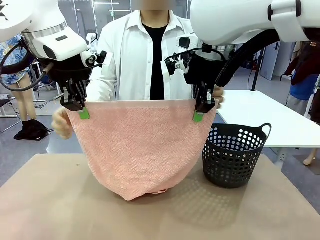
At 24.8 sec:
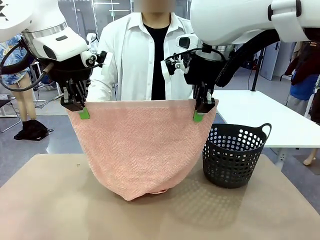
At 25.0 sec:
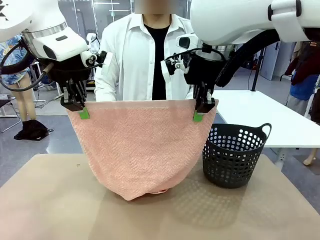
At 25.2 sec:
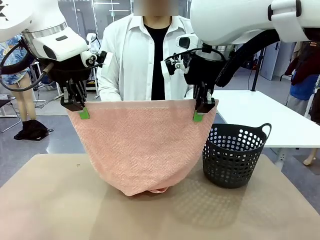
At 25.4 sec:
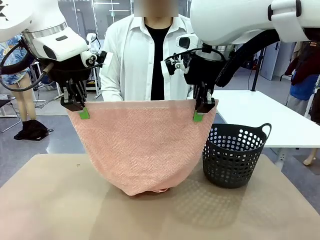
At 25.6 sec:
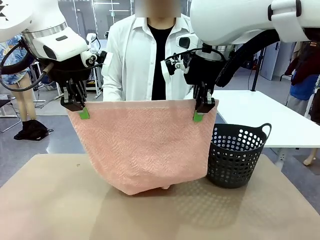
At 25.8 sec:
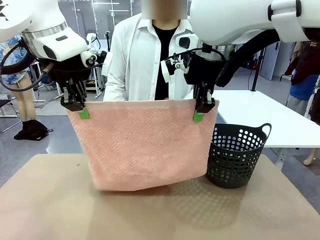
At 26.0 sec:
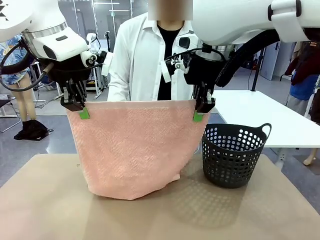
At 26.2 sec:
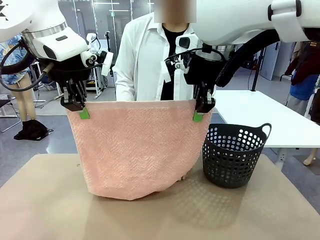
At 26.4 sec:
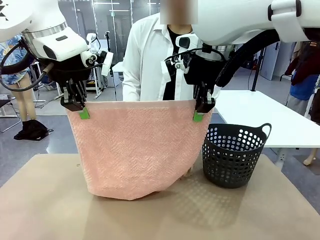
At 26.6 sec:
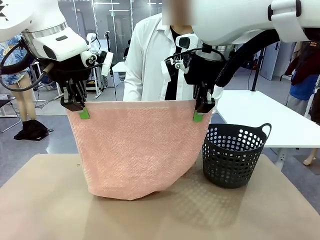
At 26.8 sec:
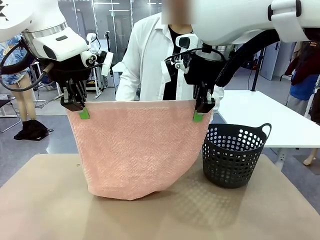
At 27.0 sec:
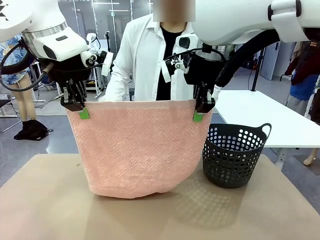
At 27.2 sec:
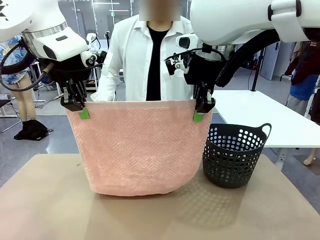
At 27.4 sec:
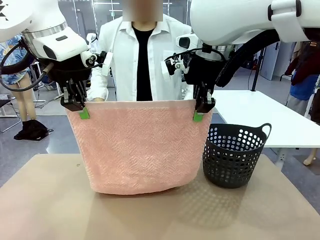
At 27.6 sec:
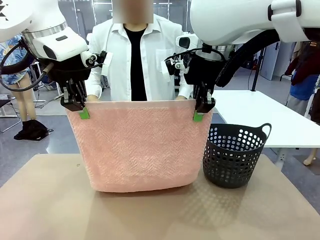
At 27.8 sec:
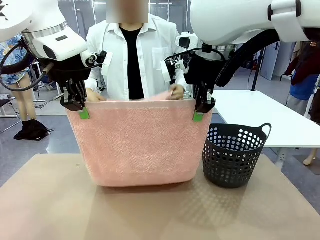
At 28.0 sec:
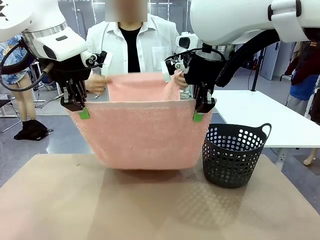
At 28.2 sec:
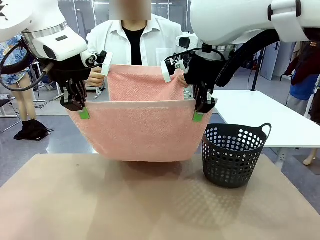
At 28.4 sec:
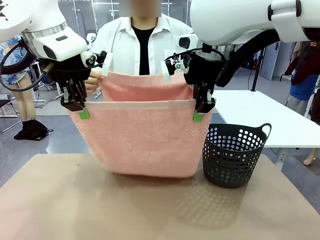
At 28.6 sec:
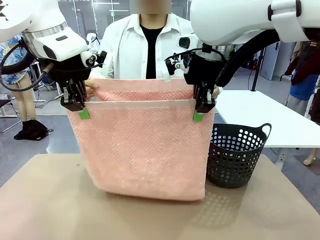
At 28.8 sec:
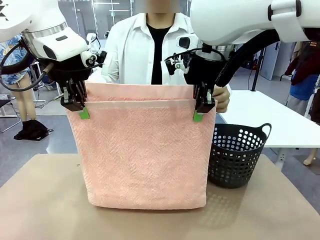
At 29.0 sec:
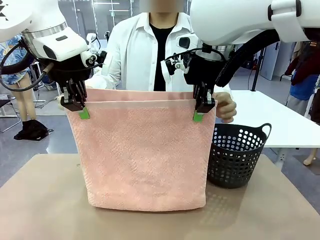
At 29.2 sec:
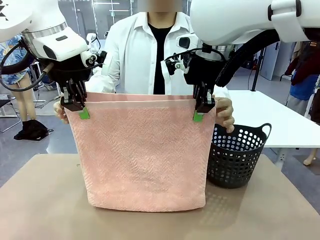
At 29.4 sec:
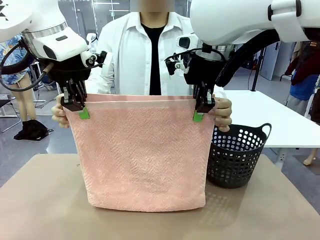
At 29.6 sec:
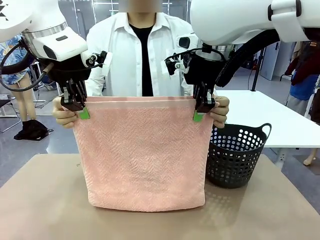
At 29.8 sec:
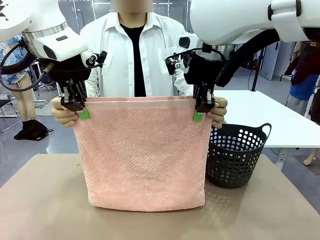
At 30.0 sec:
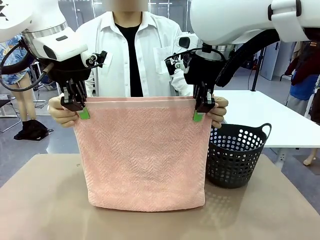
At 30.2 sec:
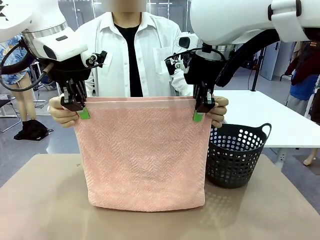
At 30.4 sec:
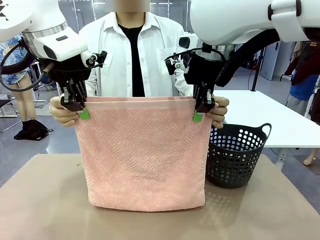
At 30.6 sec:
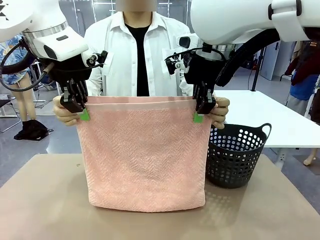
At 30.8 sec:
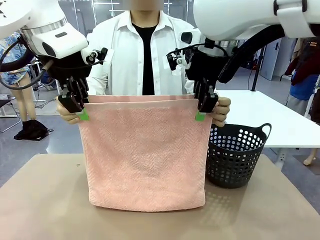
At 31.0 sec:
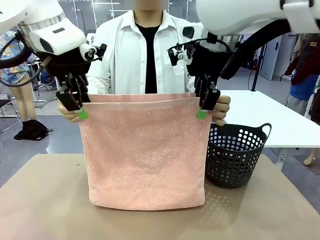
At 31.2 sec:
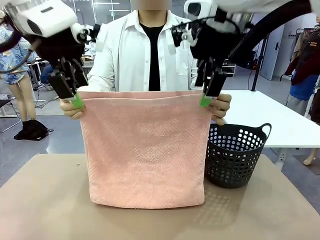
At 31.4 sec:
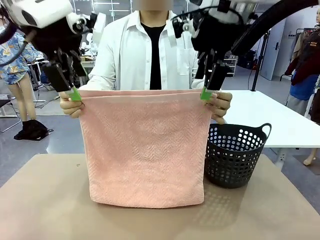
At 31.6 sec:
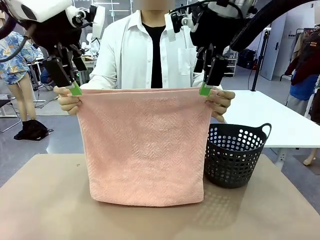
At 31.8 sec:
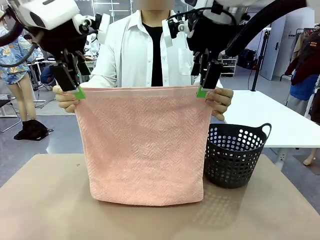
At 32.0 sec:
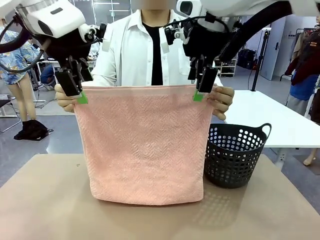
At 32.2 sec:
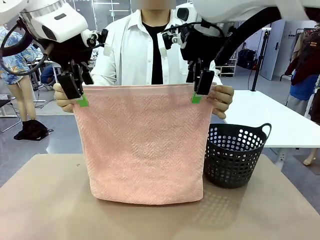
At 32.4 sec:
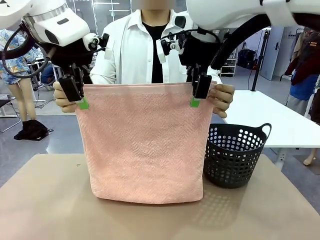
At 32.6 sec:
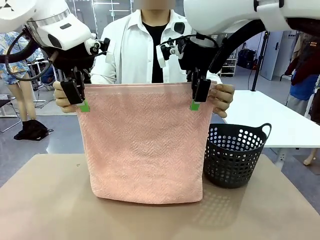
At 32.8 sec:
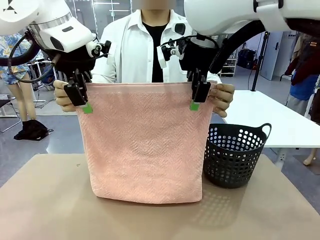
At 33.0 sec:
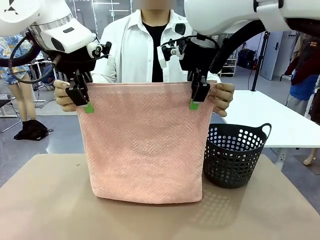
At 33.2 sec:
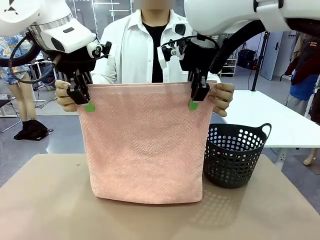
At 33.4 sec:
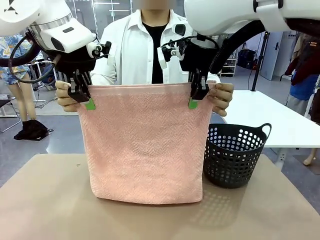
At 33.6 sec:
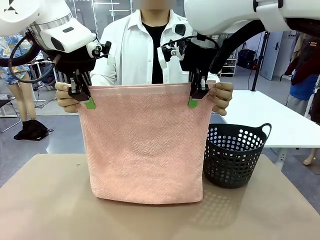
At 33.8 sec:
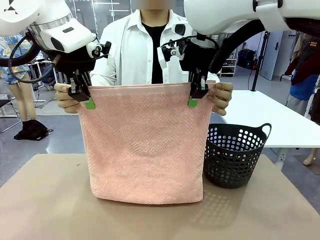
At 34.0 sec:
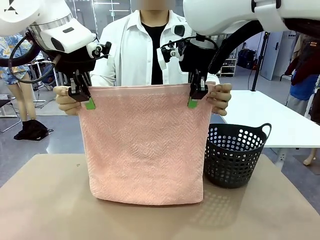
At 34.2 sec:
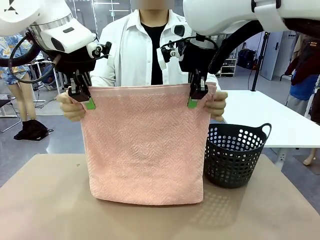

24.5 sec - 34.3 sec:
Task: Fold the towel.
Robot: Release the end of the 100 cm Hotel Towel you were holding and grab the top end of the folded side.

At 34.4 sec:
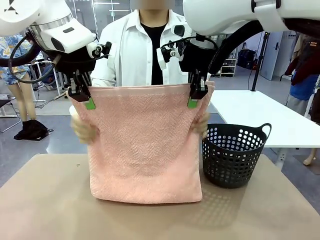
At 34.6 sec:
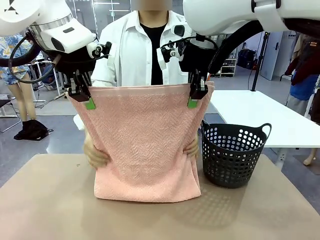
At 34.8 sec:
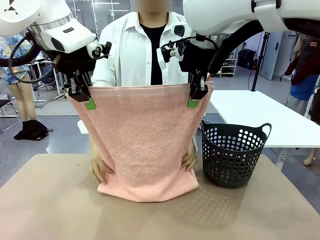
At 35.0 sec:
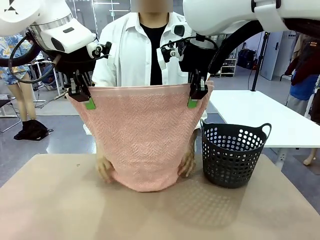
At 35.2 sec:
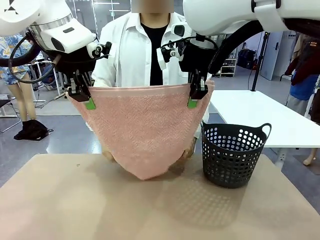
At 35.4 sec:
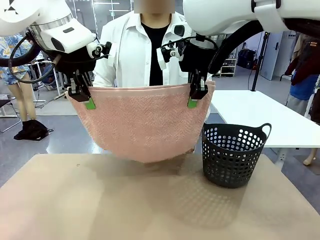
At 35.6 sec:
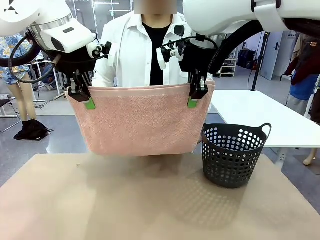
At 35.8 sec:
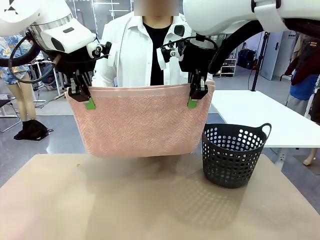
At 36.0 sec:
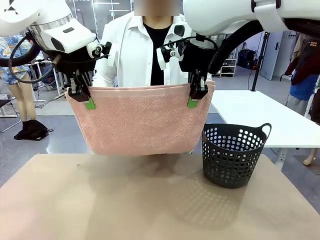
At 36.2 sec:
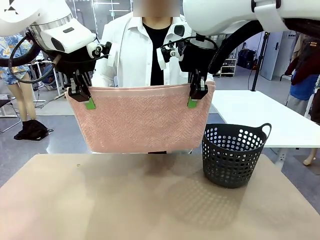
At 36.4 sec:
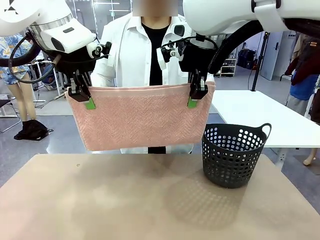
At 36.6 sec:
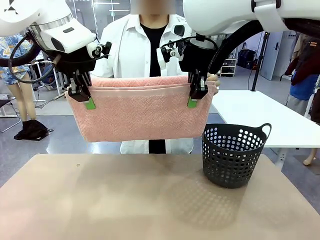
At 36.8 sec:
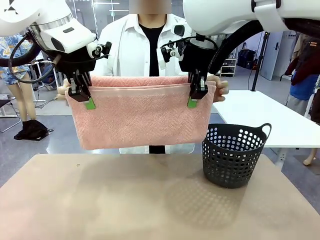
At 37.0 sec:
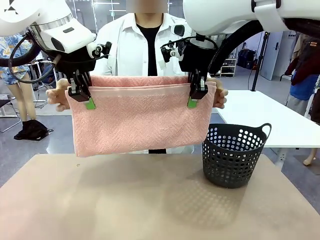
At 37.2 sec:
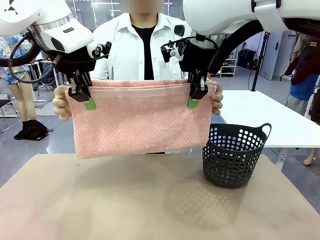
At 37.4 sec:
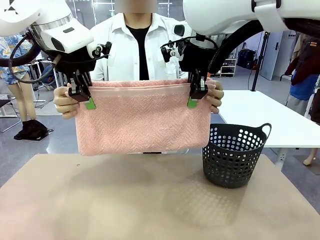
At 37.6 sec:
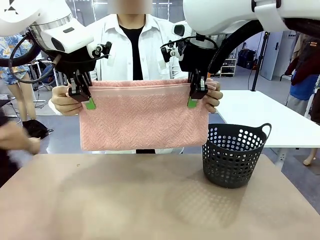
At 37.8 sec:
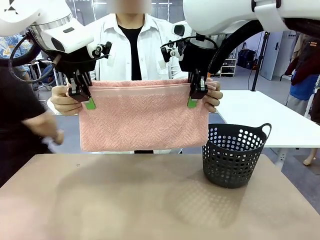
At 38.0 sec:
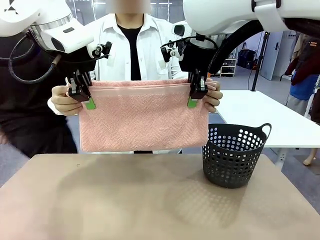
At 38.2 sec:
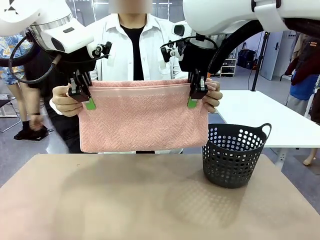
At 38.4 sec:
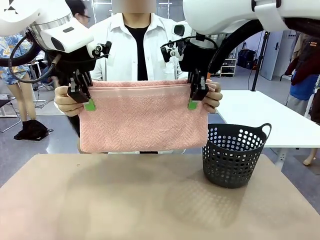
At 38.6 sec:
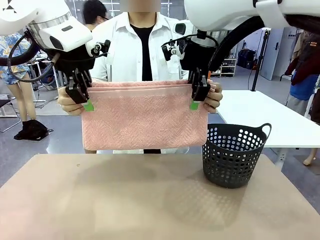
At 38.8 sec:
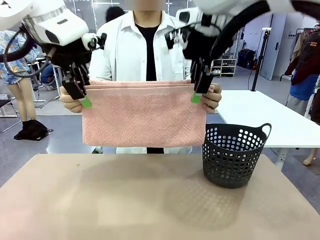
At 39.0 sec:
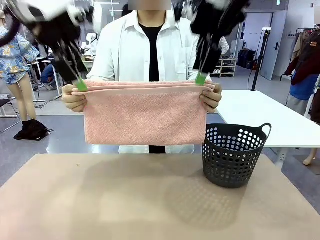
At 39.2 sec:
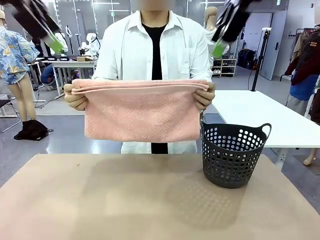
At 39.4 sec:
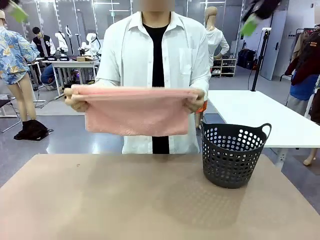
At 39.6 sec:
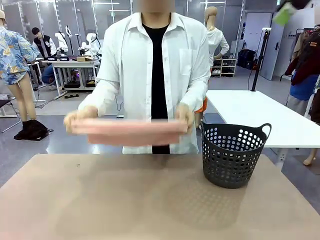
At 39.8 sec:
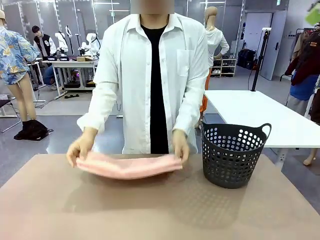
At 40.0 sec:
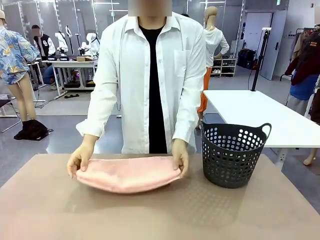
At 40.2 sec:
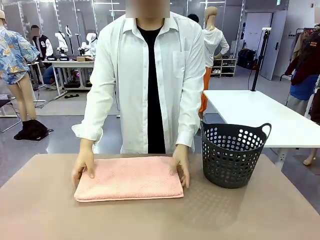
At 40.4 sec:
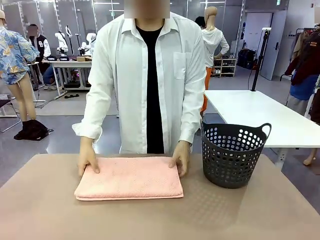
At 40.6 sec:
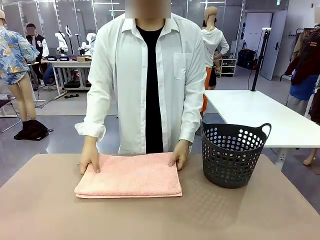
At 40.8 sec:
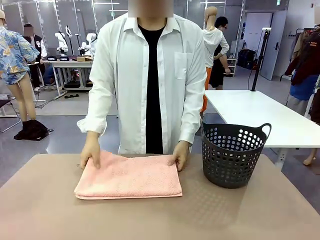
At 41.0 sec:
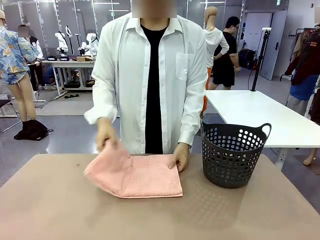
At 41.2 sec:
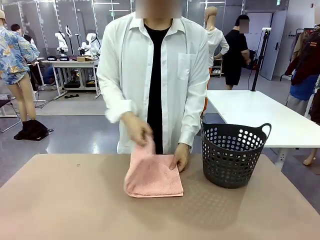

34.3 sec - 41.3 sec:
Robot: Release the end of the 100 cm Hotel Towel you were holding.
Person: Place the towel at the center of the robot table and fold it in half.

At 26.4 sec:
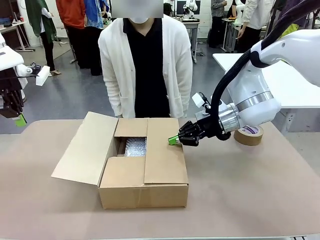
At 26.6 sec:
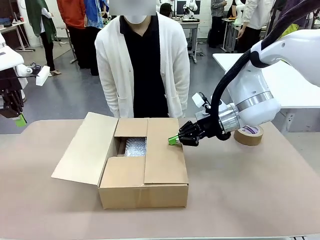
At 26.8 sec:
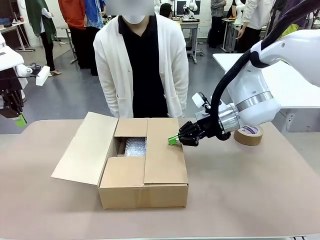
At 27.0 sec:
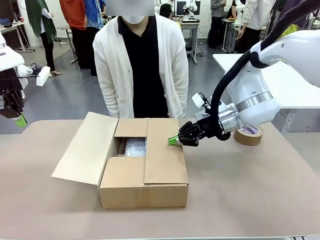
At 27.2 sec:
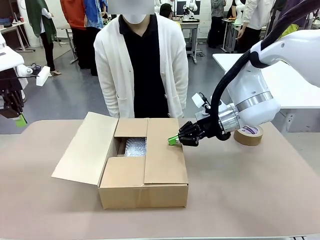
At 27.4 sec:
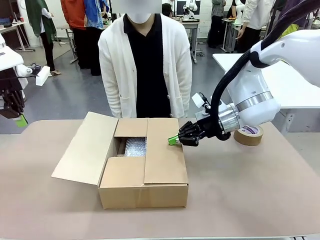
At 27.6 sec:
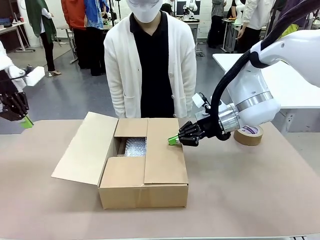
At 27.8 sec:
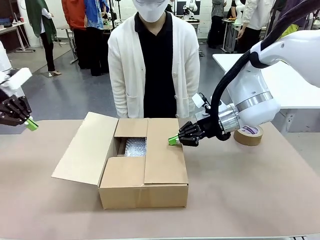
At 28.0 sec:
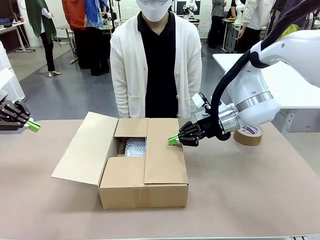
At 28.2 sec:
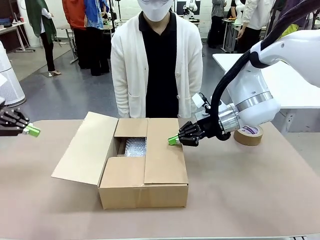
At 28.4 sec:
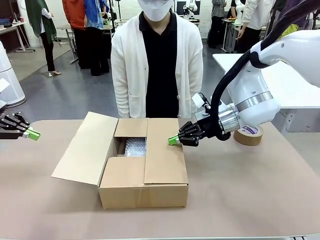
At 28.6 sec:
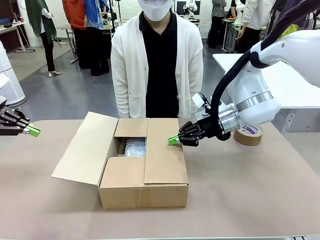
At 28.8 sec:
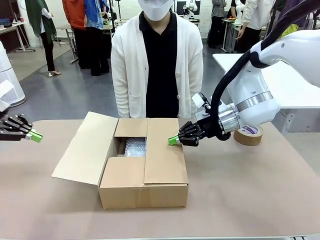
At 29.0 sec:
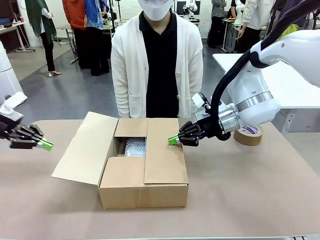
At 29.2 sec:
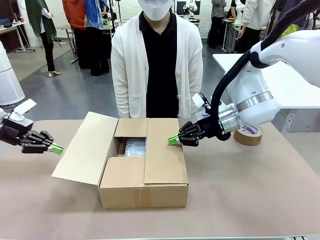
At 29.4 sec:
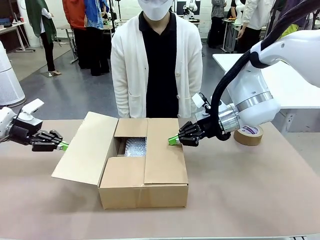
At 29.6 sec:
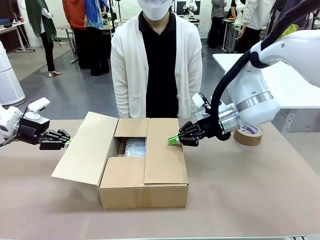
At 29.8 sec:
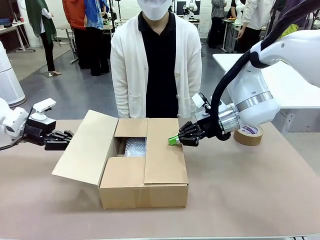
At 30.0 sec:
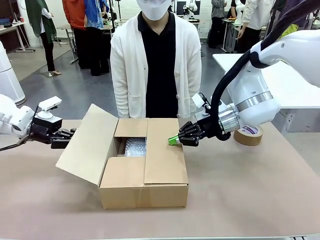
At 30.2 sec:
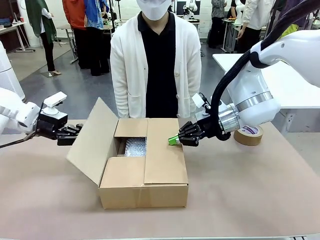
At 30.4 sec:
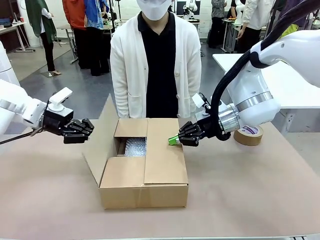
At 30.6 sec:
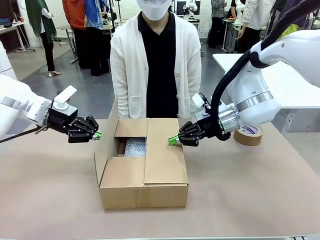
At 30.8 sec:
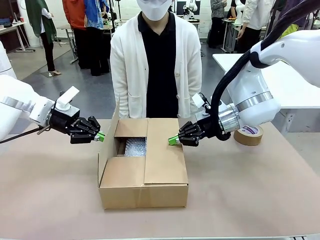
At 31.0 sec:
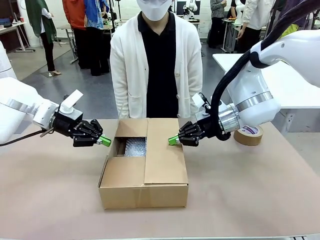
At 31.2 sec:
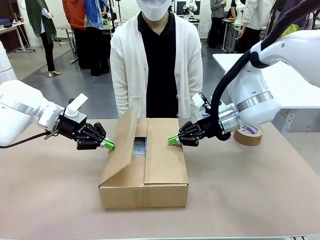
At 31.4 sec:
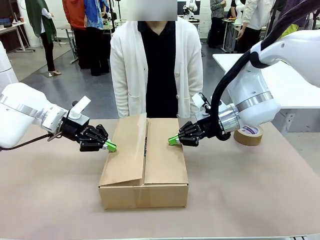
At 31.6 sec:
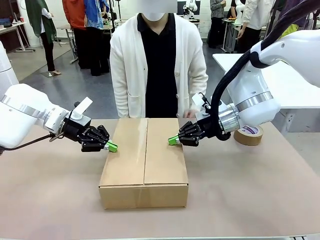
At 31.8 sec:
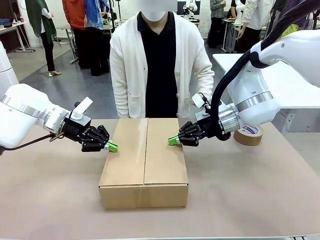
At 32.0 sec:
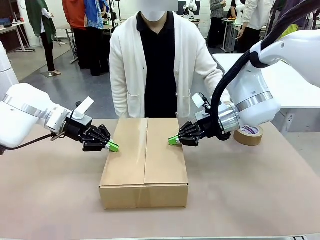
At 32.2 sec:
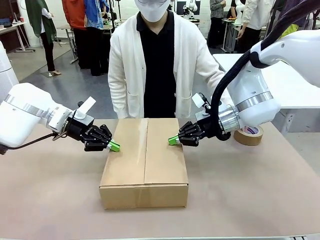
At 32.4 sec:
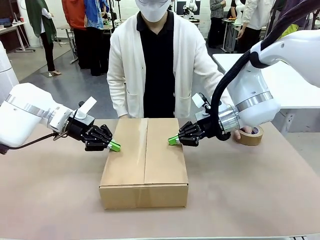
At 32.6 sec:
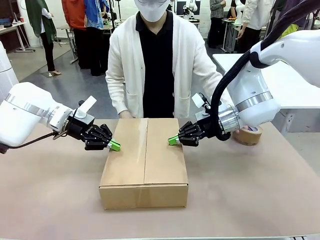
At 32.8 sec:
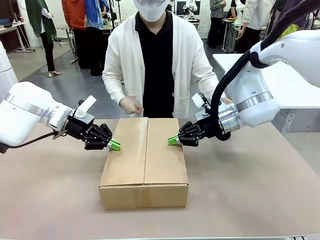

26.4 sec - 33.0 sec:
Task: Wrap the clocks to prevent damage.
Robot: Push the left (or right) flap of the Package Box to close it.
